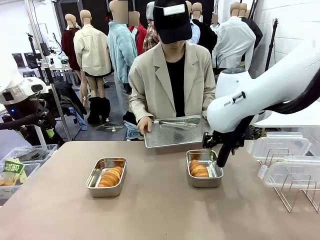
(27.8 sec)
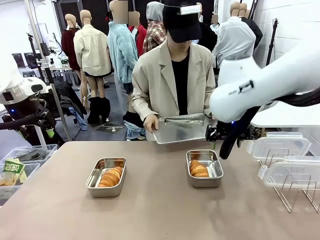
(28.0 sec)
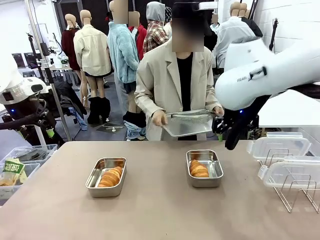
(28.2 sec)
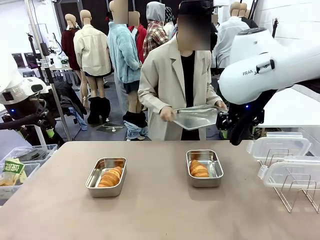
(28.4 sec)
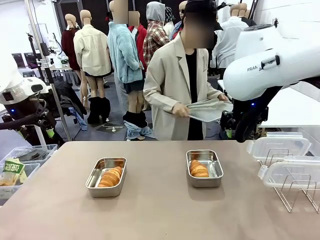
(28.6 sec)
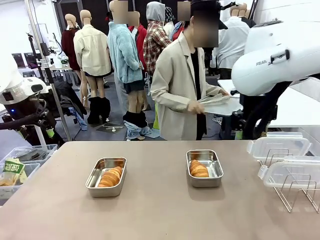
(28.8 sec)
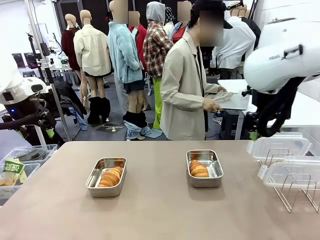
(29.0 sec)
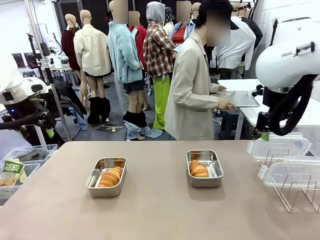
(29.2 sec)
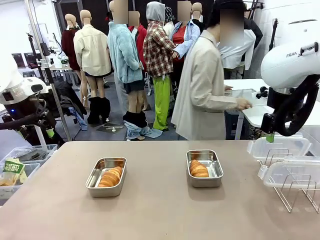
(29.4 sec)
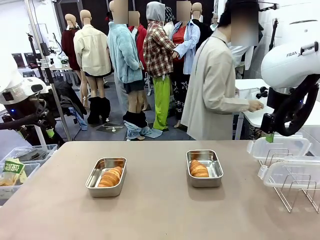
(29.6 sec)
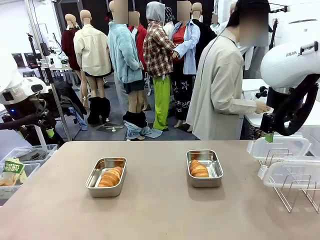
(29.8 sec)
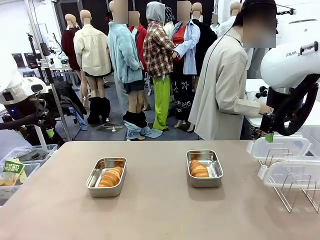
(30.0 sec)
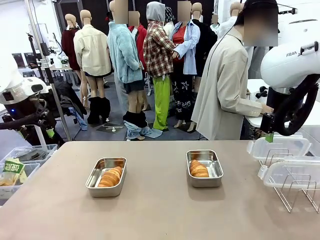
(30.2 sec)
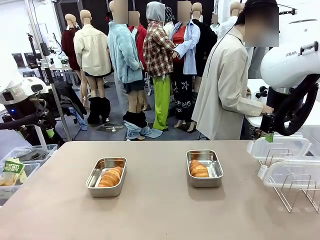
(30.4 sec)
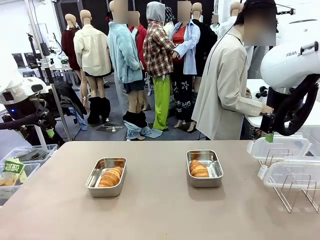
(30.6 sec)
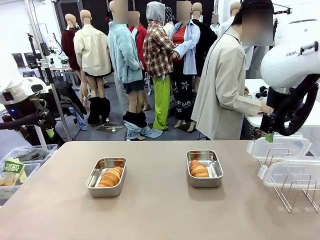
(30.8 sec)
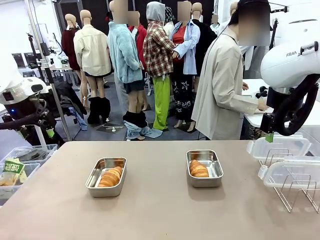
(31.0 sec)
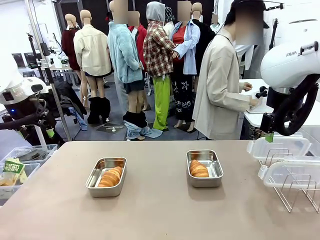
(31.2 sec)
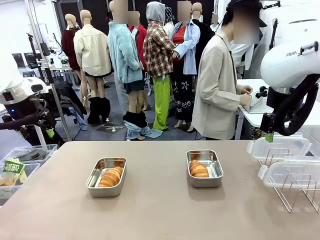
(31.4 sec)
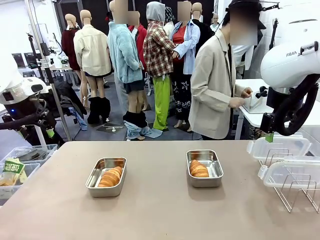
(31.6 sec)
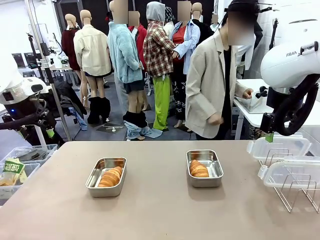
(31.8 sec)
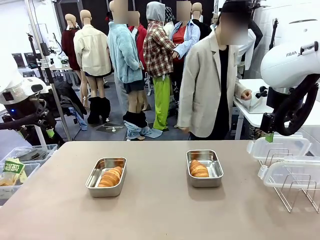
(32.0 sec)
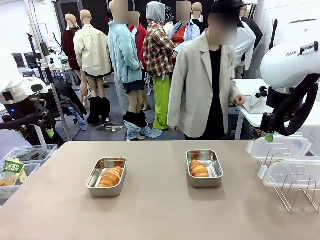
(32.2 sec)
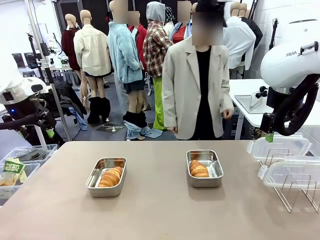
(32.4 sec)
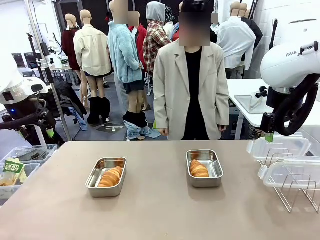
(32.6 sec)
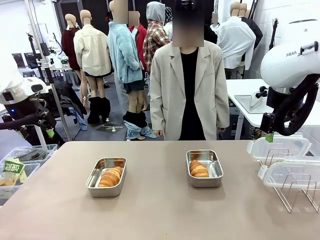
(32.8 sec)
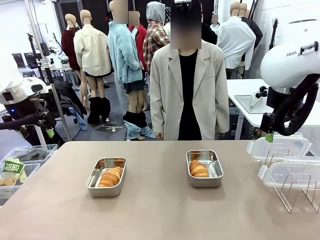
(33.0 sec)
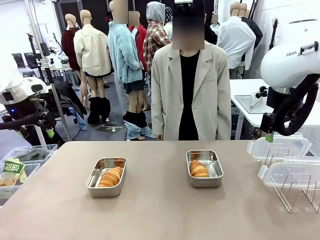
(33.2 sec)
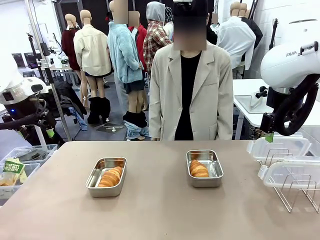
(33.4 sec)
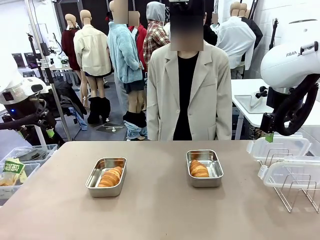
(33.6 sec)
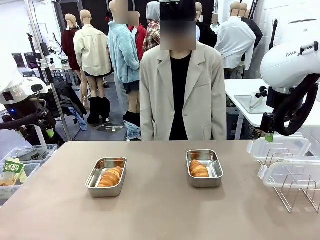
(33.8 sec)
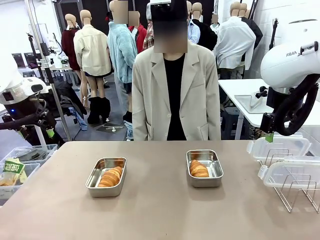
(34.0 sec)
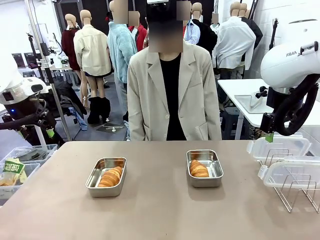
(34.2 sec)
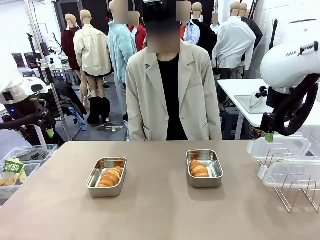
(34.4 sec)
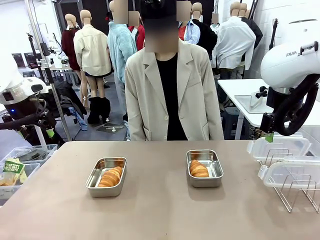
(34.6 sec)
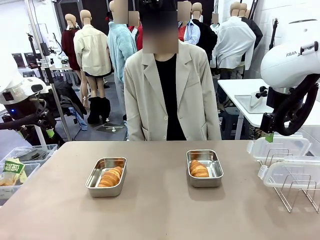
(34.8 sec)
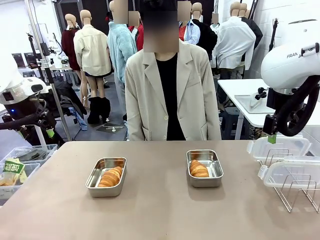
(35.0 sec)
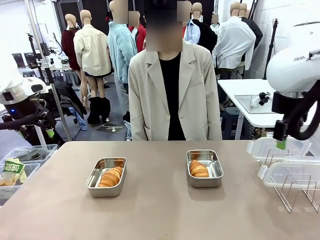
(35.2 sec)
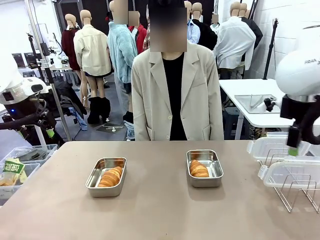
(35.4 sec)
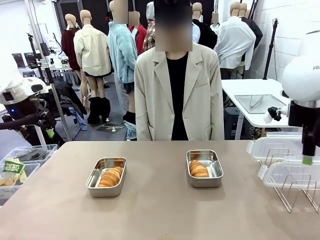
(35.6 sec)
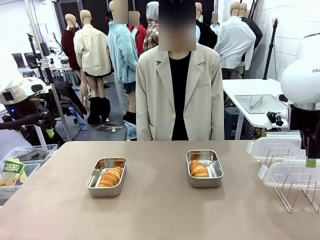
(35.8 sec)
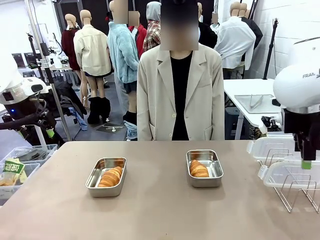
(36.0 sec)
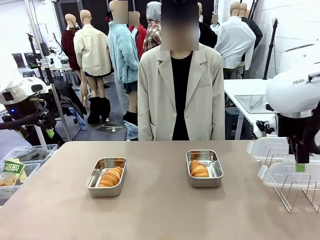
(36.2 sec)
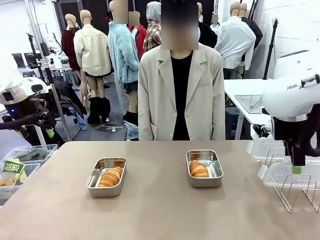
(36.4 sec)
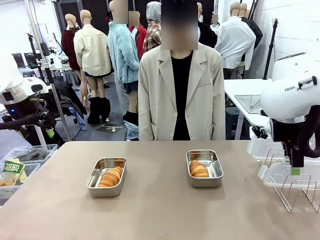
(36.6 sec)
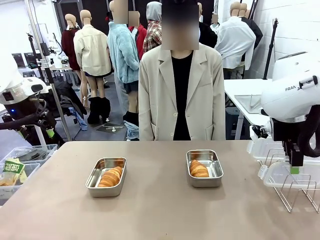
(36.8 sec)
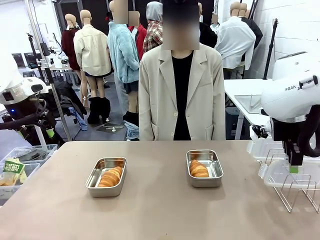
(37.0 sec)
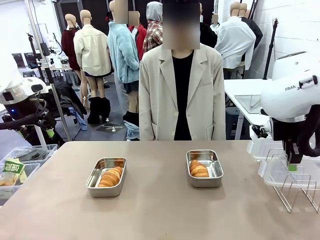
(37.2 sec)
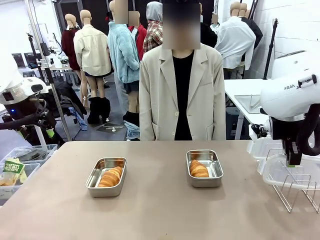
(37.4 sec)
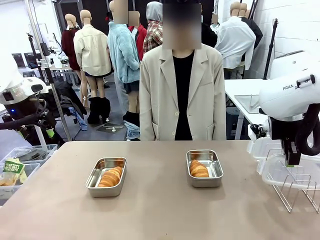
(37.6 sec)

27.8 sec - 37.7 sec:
Task: Place the bread in airtight containers.
Robot: Pick up one Airtight Container lid and hand it to the human.
Person: Place Baking Sheet on the Human's Table.

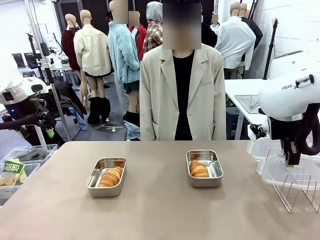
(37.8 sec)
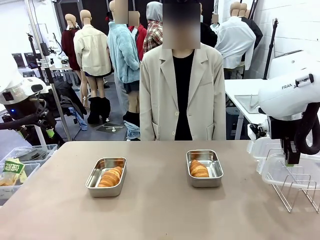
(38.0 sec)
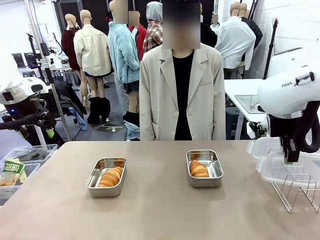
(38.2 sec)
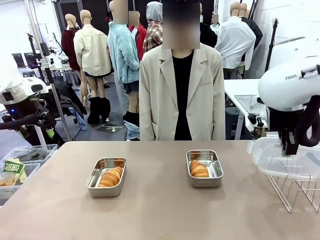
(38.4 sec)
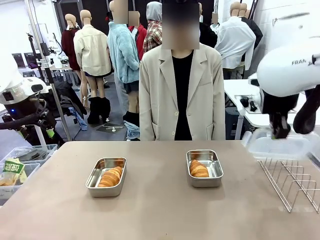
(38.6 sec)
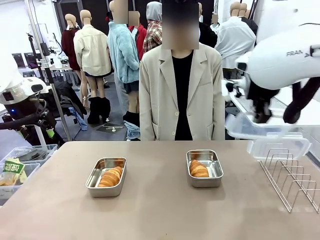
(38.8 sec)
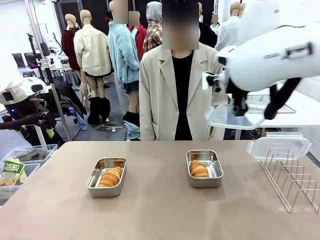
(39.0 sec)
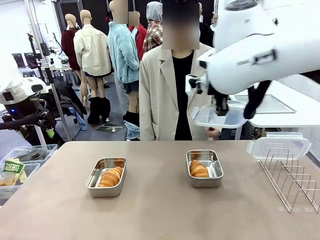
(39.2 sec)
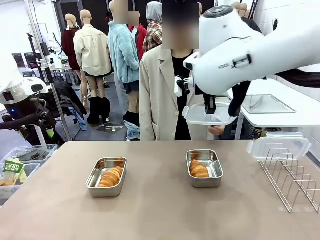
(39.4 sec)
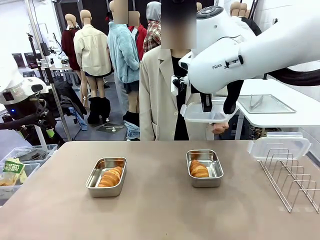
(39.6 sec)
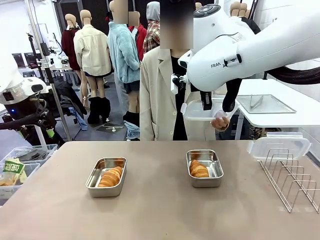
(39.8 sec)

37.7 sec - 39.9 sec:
Robot: Release when the human grabs the Airtight Container lid.

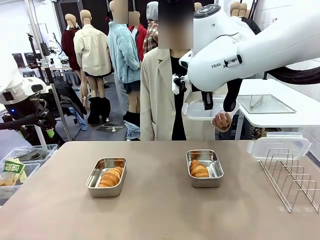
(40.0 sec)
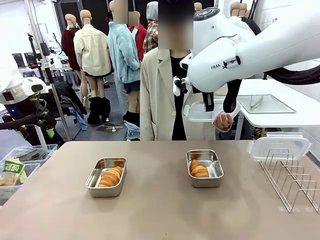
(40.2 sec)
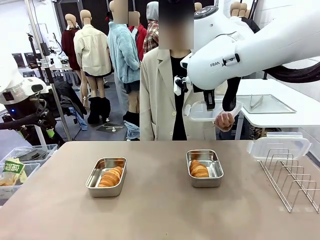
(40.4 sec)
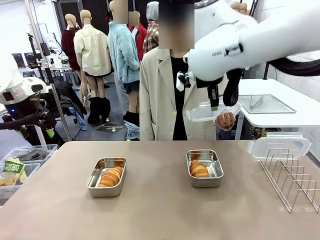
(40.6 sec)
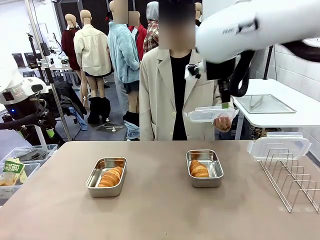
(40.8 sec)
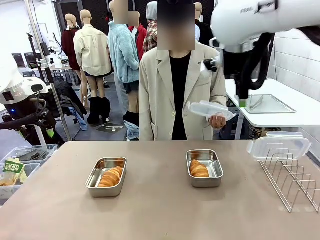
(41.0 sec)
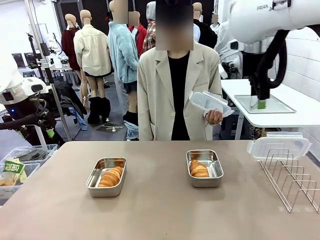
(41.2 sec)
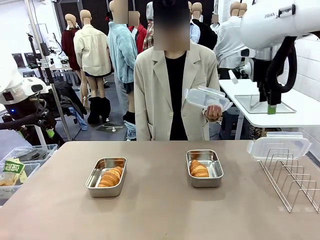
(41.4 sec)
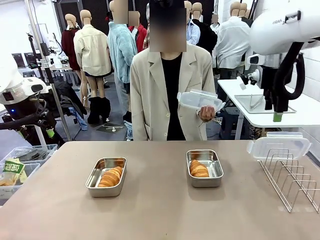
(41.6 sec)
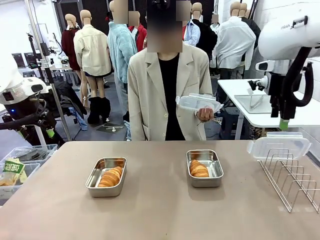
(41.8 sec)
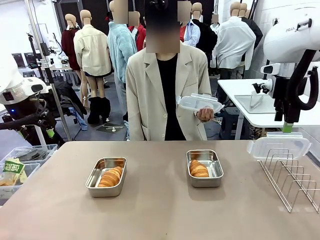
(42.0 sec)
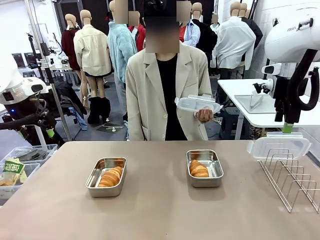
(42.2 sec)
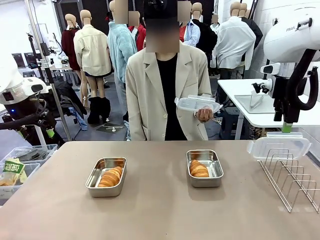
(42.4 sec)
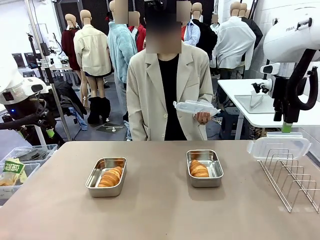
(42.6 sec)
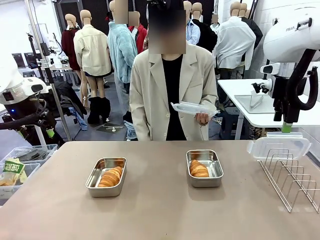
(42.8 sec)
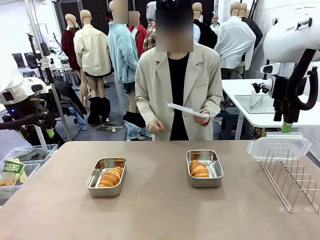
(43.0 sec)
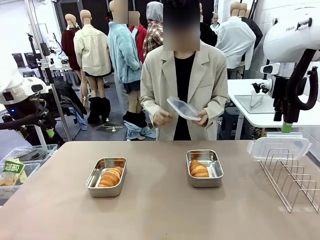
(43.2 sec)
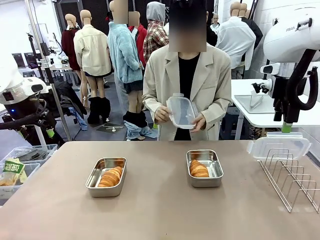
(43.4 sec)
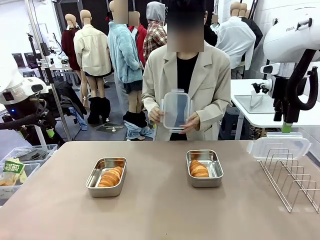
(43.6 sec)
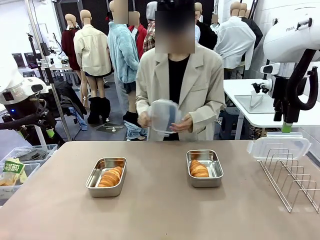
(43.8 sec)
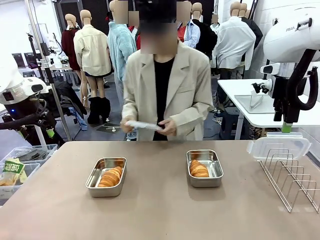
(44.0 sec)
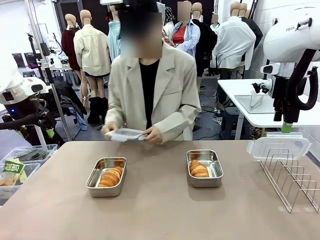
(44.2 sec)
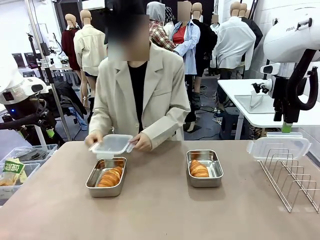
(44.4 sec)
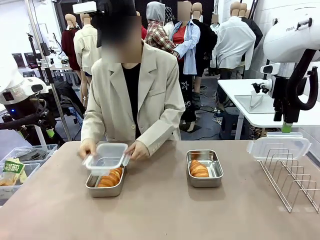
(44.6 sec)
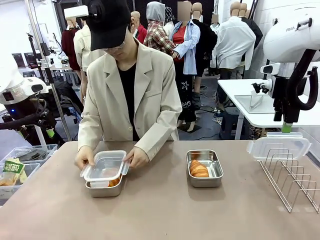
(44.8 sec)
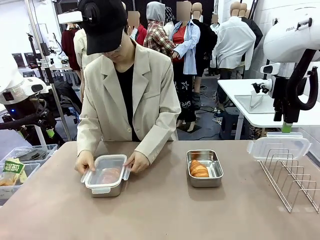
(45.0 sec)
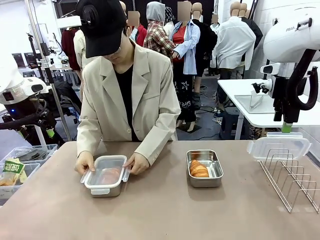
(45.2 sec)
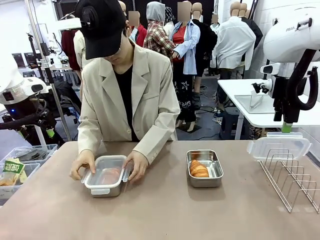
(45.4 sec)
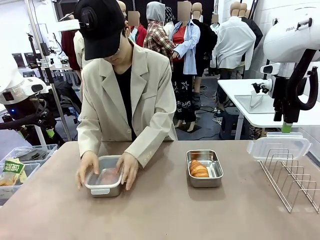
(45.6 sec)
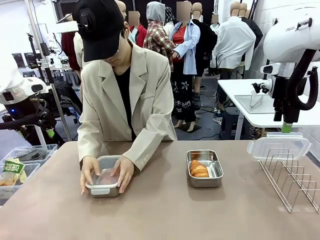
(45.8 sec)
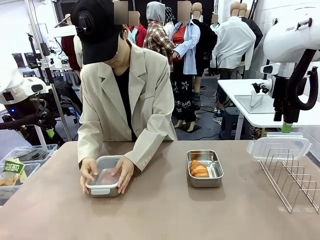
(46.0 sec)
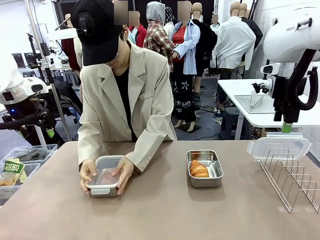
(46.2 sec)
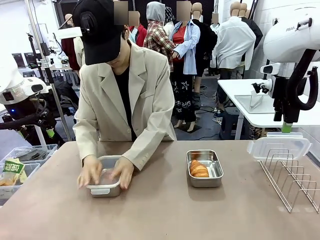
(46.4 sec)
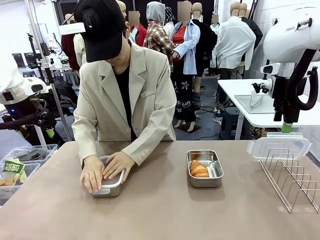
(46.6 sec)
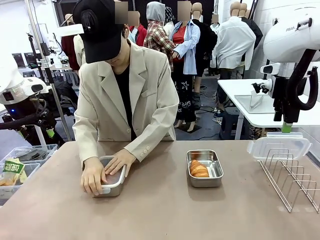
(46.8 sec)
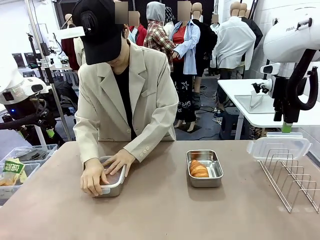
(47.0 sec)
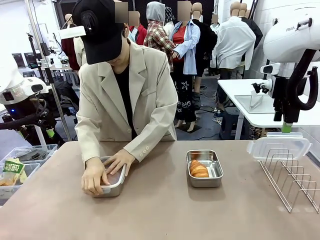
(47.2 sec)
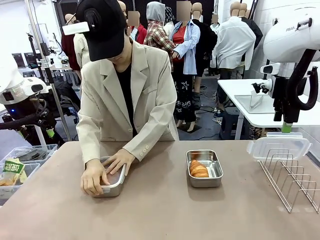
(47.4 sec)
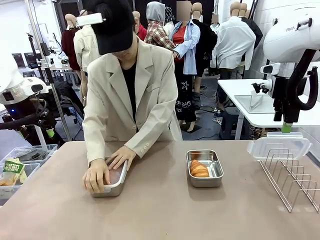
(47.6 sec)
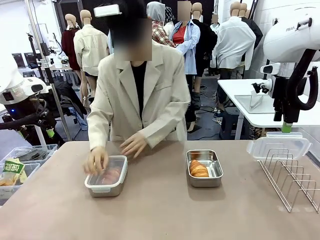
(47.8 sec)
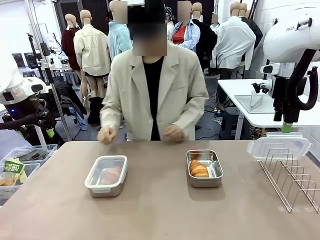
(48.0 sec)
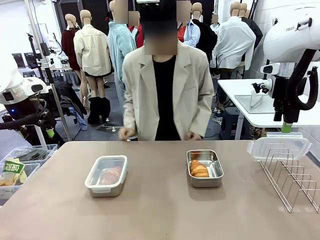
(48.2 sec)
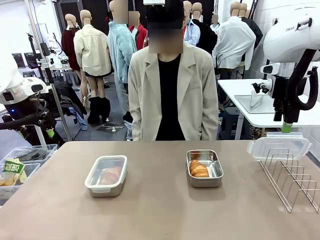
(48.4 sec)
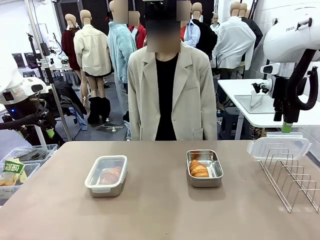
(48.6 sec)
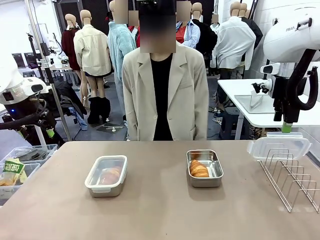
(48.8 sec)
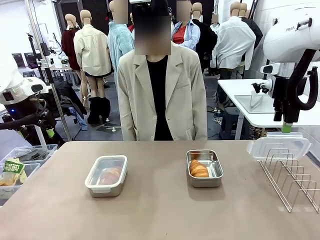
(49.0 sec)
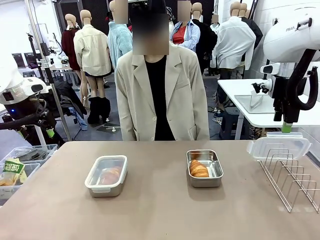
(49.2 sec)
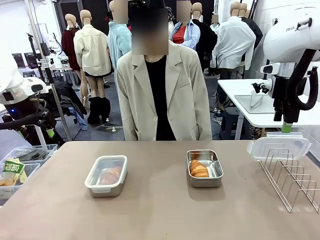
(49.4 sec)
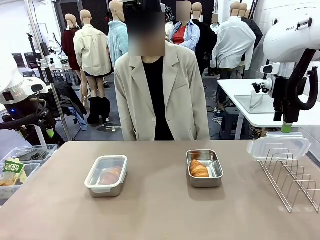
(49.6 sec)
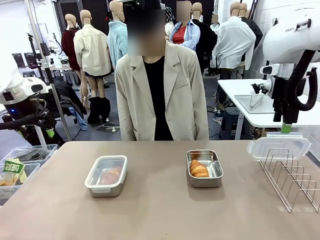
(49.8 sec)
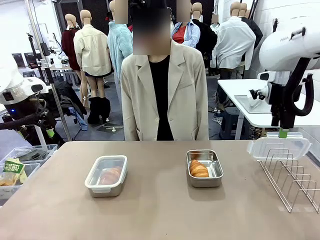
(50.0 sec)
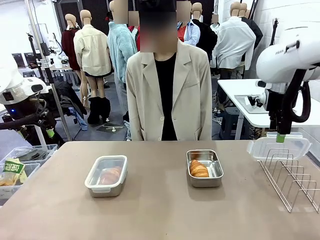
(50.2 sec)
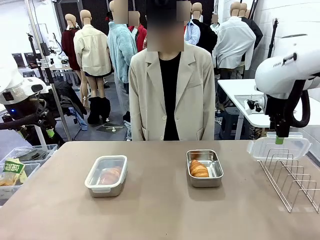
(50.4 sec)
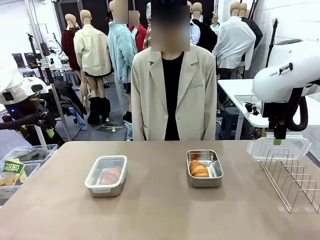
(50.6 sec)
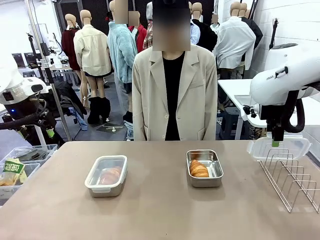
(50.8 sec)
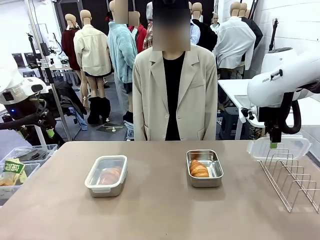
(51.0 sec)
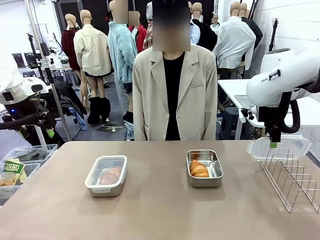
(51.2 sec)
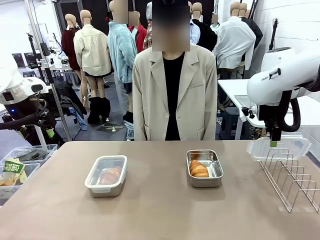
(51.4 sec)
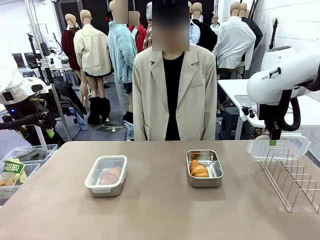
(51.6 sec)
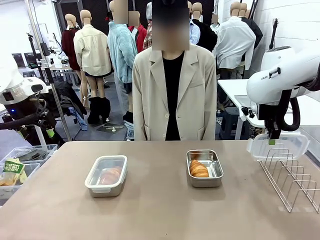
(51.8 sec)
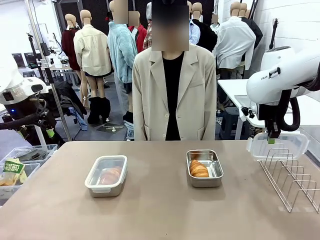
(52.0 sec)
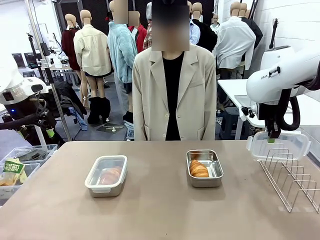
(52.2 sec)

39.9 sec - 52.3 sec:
Robot: Pick up one Airtight Container lid and hand it to the human.
Person: Close Airtight Container with a handed Airtight Container lid.
